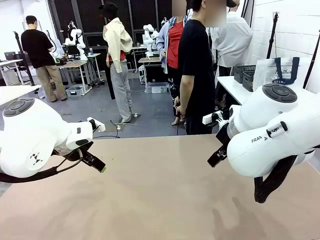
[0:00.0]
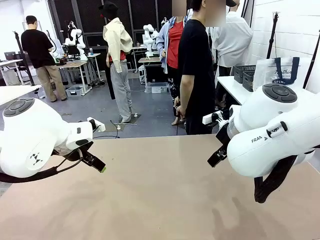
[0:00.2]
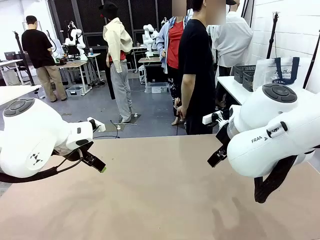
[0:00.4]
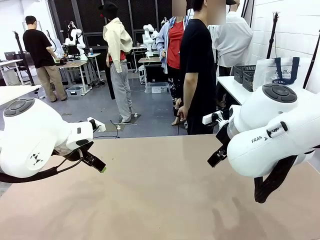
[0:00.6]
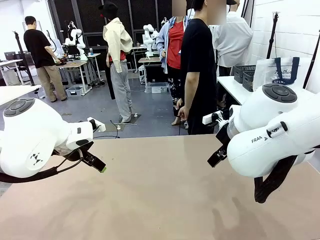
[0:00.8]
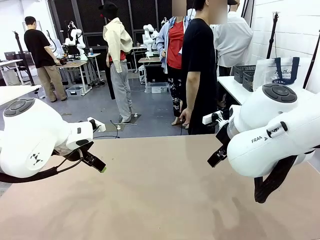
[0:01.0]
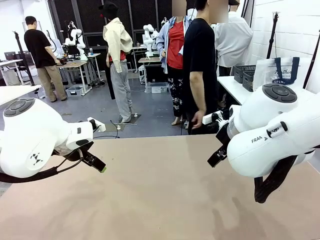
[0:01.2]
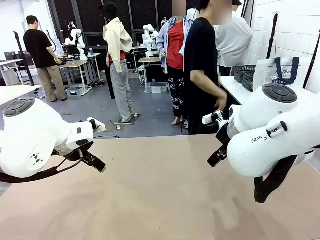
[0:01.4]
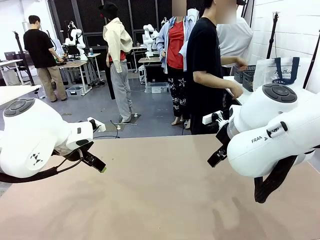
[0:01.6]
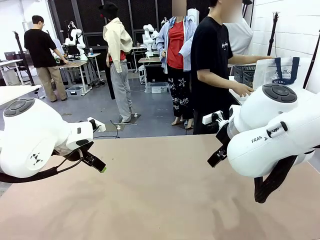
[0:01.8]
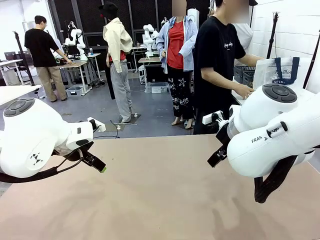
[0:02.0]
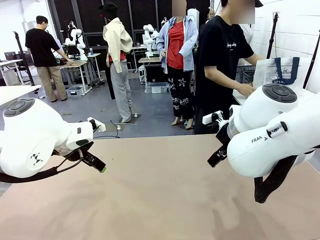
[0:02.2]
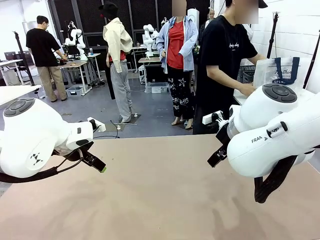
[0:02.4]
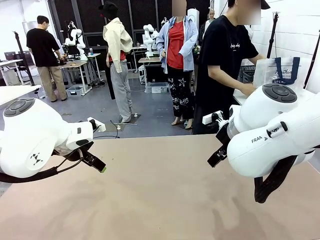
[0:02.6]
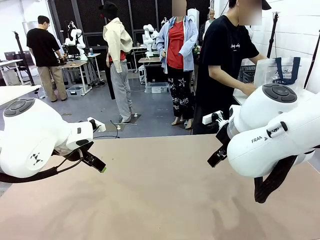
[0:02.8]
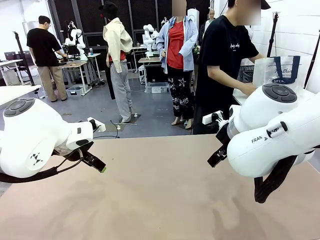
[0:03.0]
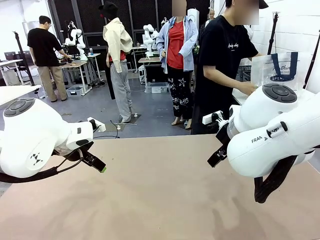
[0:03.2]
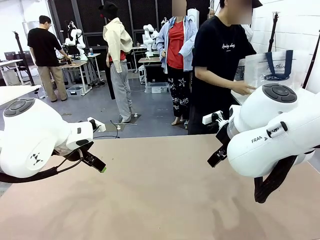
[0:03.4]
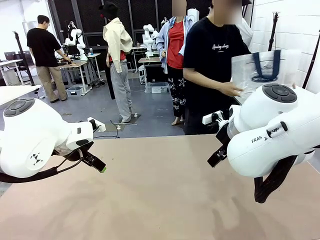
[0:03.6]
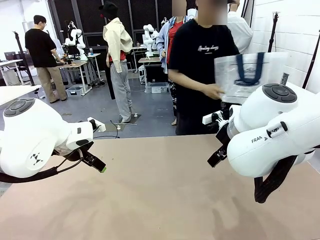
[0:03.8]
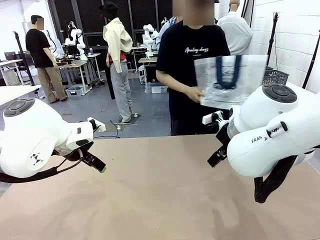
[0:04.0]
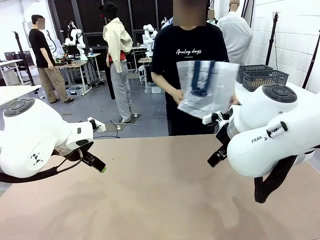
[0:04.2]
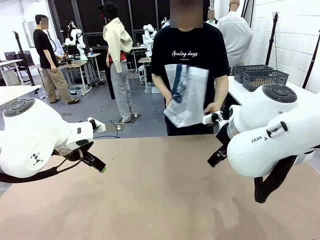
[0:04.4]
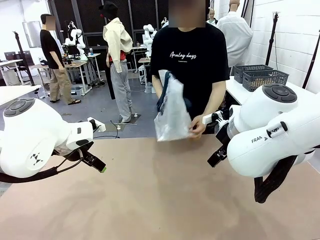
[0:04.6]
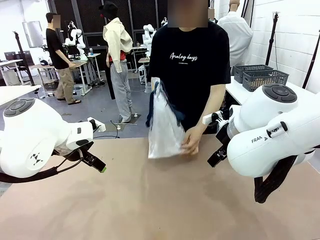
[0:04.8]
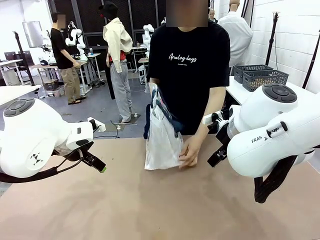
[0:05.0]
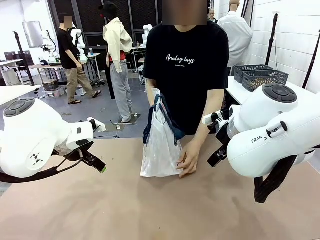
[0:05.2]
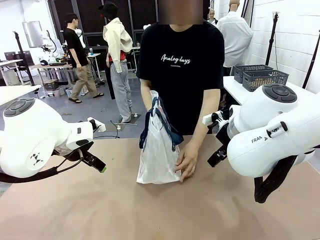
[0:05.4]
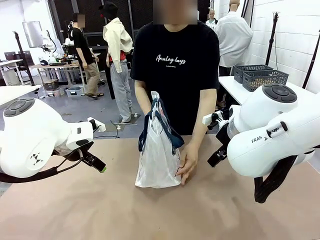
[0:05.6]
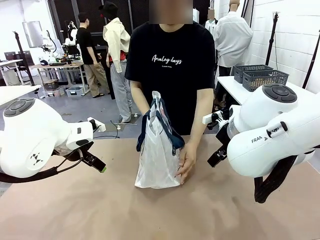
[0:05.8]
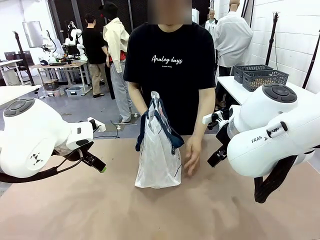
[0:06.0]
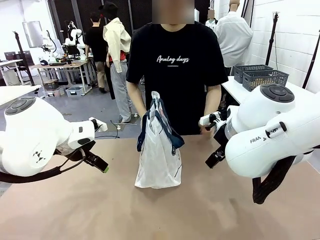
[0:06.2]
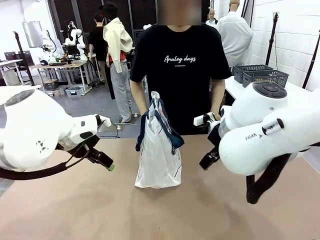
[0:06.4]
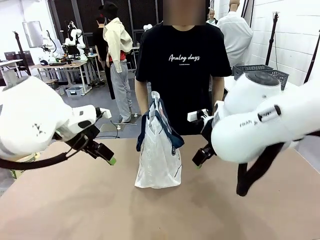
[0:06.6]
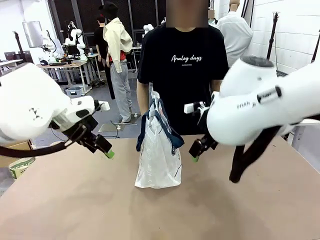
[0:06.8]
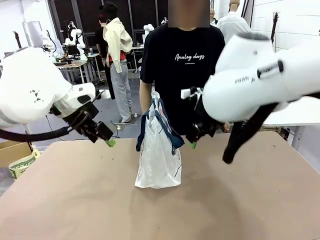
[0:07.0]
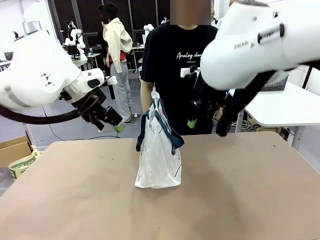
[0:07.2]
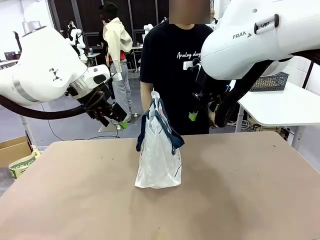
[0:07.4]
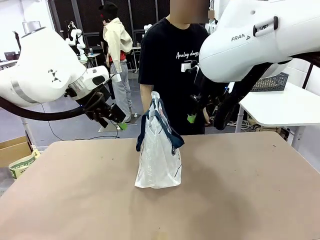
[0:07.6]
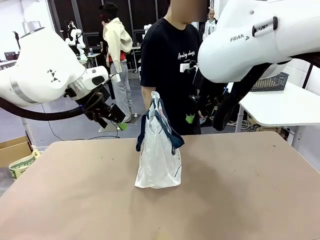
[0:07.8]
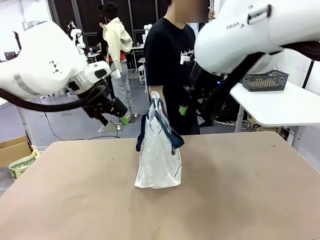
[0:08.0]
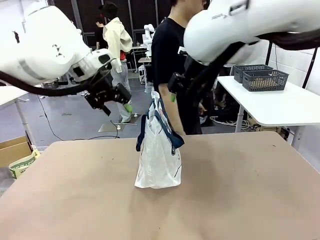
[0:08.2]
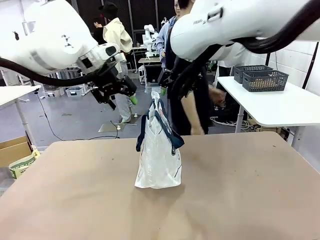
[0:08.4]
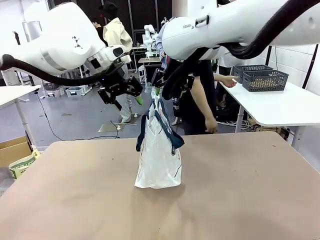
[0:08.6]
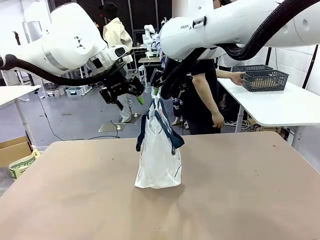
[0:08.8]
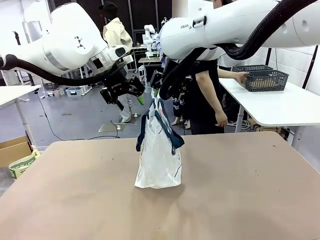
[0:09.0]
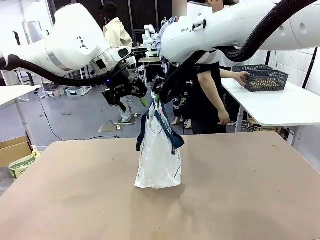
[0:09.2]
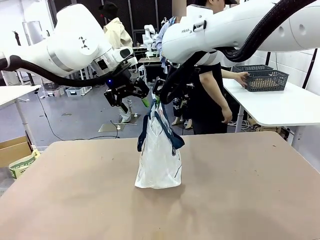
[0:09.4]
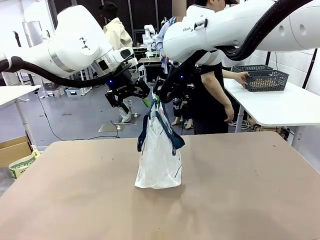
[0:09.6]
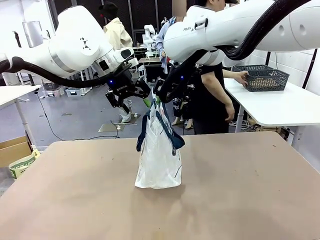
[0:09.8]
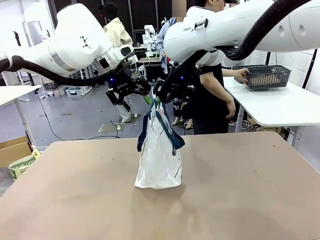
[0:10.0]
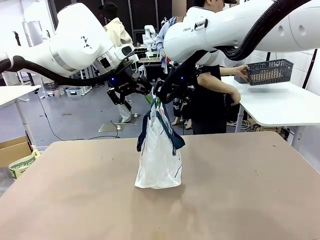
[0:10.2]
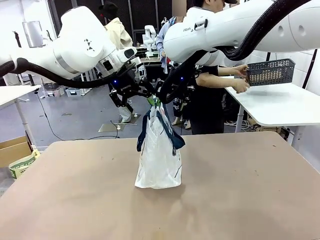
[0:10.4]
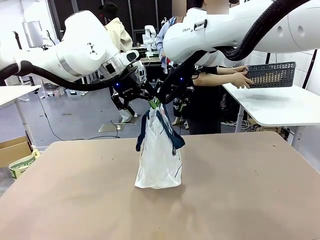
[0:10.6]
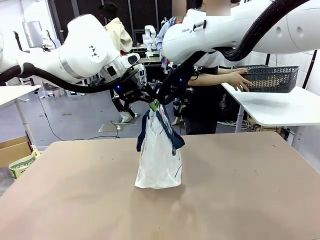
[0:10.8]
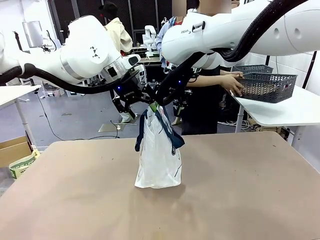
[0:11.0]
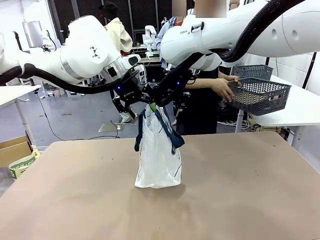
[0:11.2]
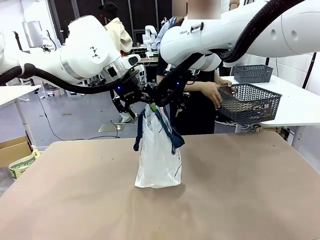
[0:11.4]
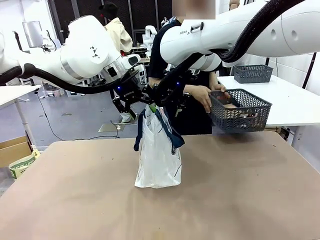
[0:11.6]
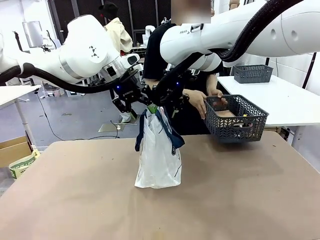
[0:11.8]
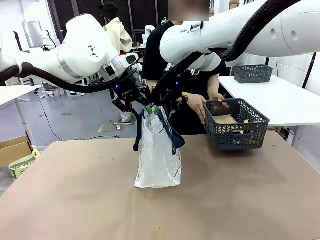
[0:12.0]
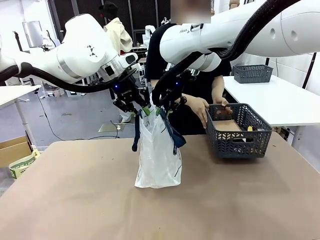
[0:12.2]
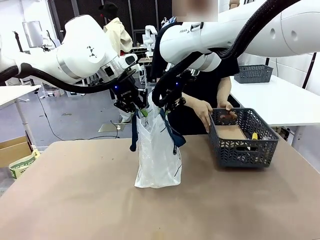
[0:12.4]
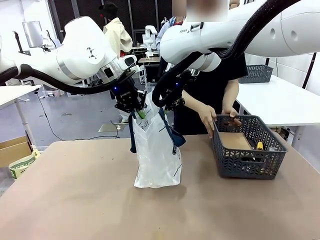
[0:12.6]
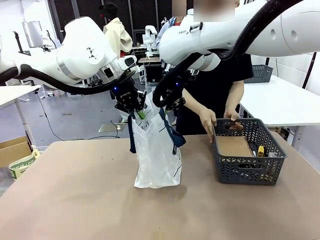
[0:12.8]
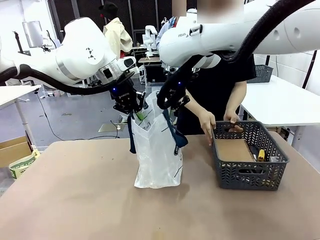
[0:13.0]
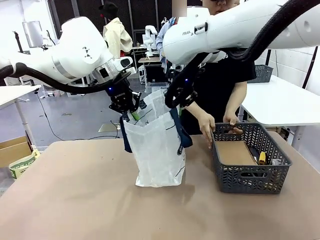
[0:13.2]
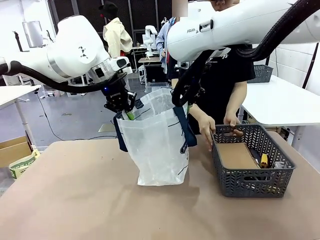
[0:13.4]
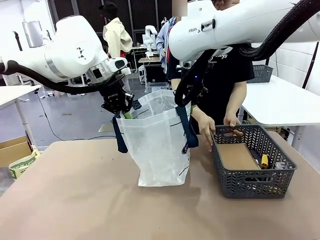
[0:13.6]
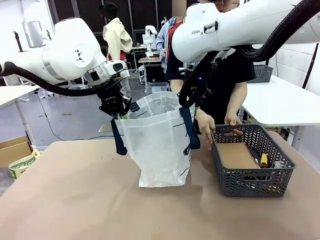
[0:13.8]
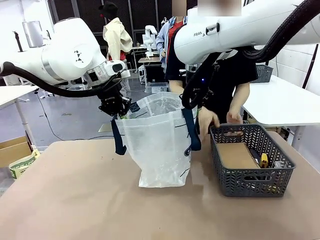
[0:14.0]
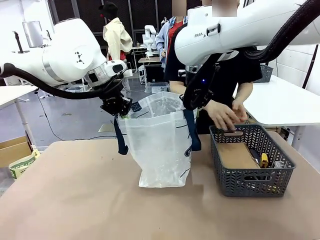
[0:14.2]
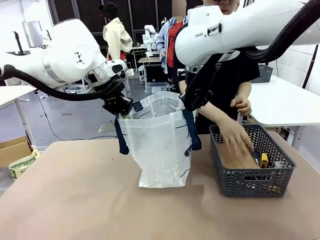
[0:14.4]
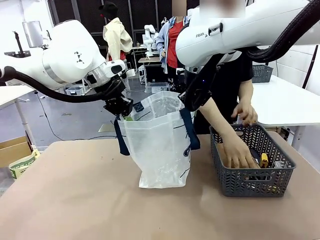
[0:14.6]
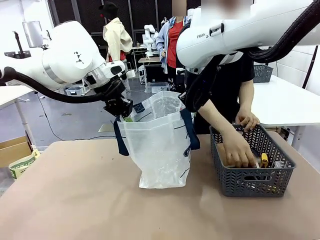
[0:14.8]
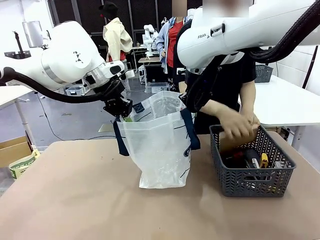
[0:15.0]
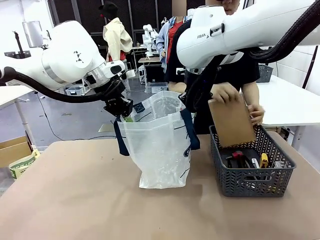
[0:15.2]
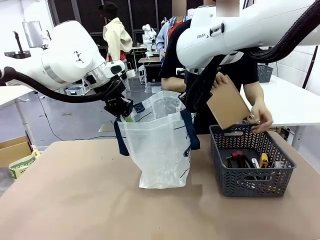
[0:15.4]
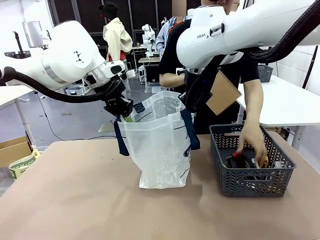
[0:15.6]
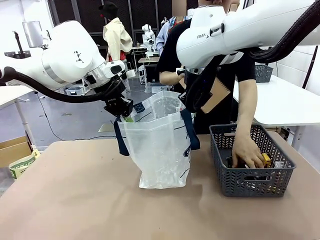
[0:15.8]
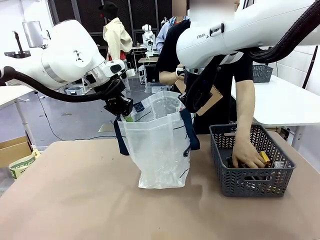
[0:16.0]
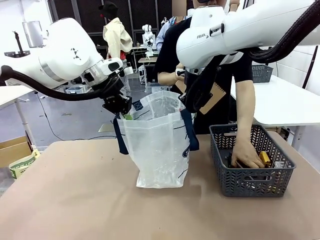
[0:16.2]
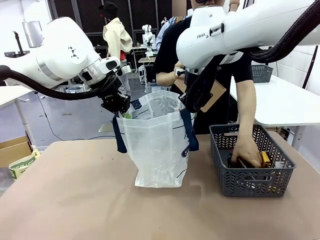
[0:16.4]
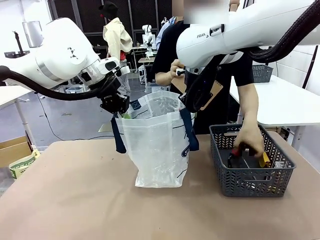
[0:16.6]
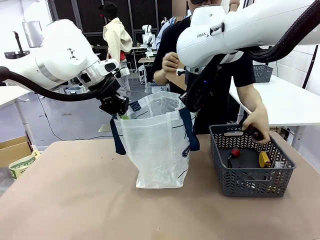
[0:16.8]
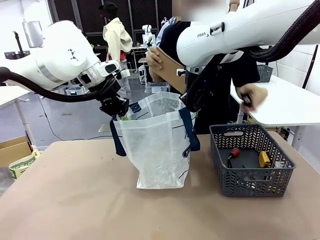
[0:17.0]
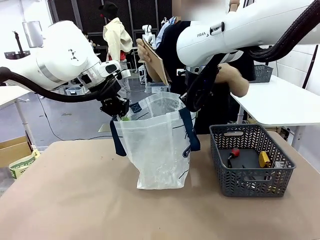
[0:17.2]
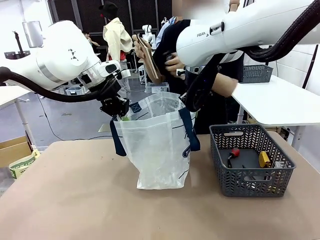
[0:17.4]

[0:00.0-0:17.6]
Task: Transfer purchased items from the store into the shopping bag.
Robot: Open the Reusable shopping bag in the center of the table.
Person: Pick up the shopping bag and place it in the middle of the robot table.
